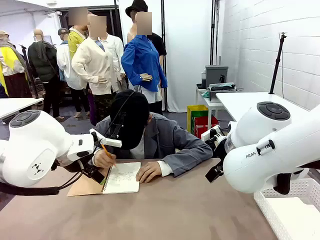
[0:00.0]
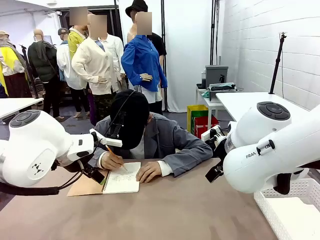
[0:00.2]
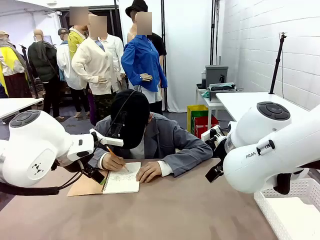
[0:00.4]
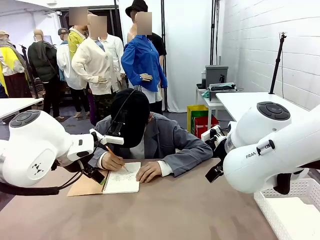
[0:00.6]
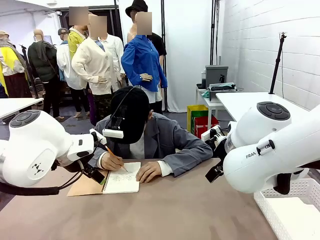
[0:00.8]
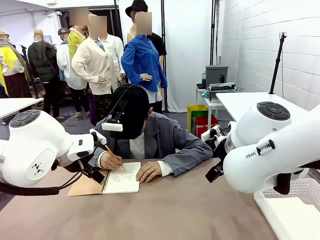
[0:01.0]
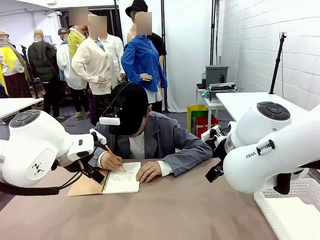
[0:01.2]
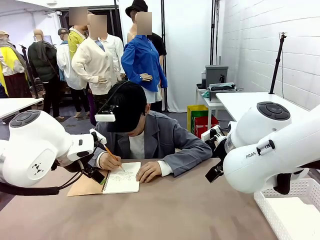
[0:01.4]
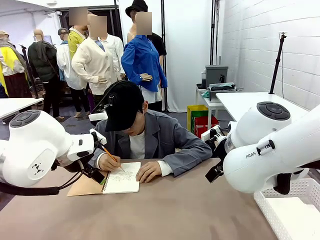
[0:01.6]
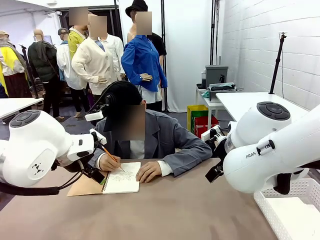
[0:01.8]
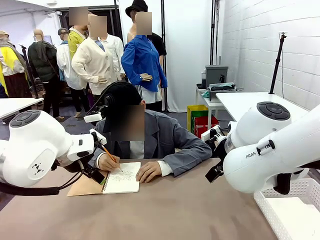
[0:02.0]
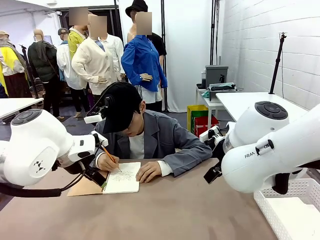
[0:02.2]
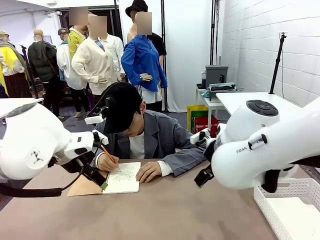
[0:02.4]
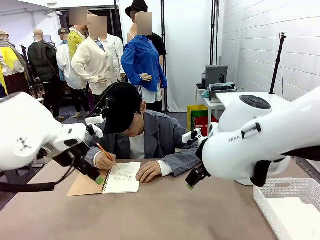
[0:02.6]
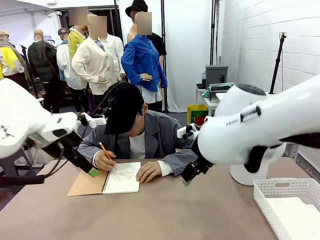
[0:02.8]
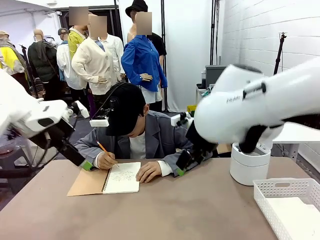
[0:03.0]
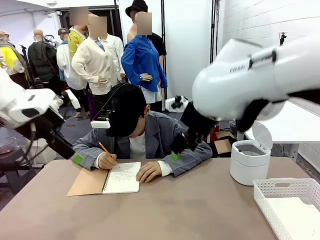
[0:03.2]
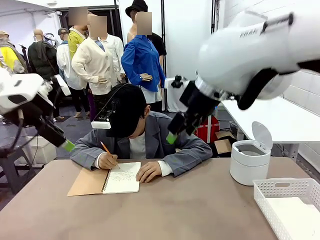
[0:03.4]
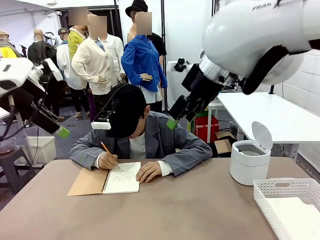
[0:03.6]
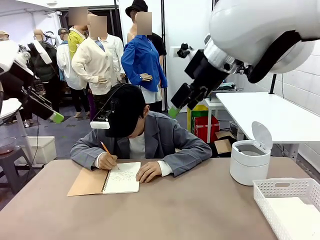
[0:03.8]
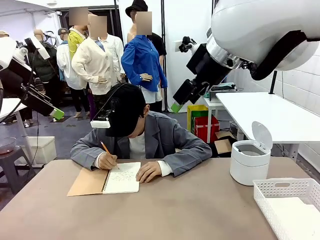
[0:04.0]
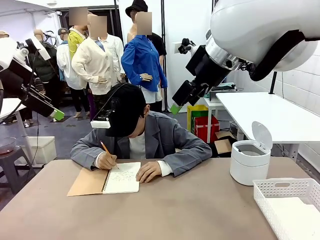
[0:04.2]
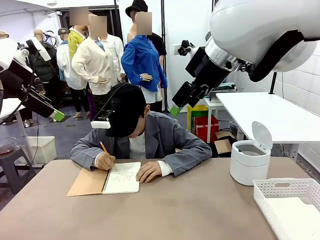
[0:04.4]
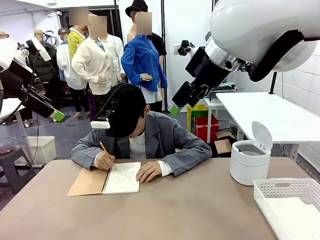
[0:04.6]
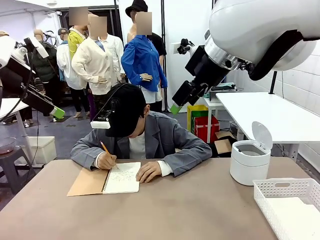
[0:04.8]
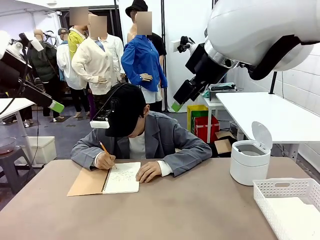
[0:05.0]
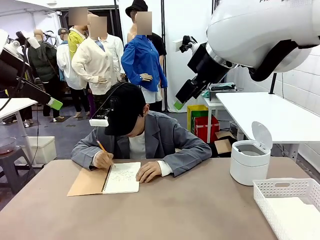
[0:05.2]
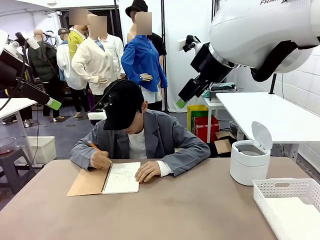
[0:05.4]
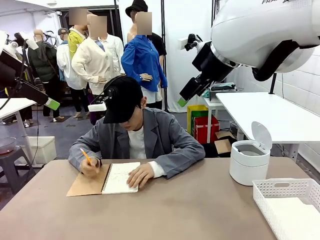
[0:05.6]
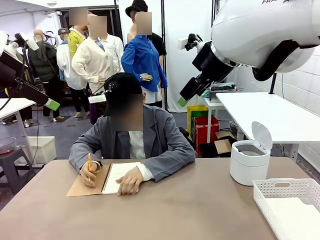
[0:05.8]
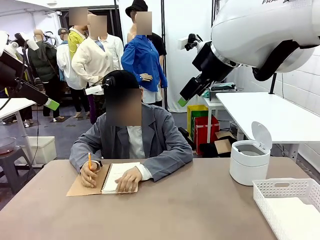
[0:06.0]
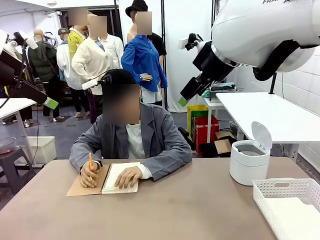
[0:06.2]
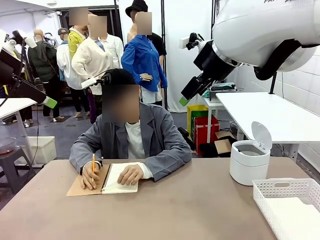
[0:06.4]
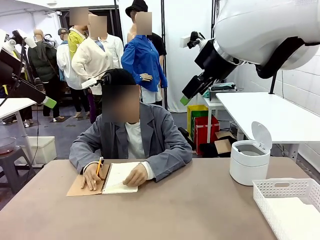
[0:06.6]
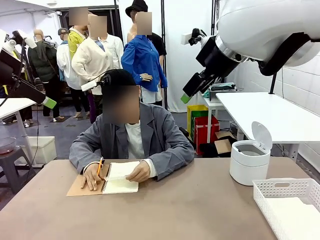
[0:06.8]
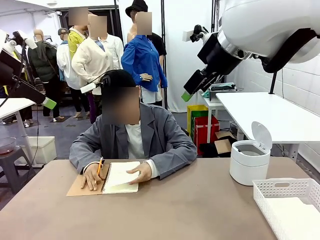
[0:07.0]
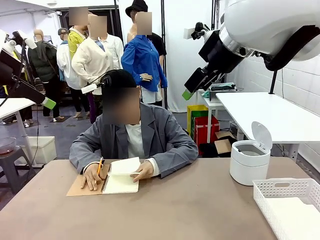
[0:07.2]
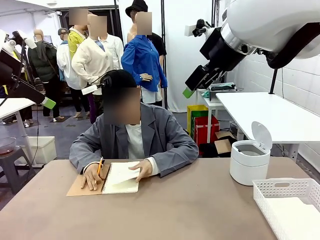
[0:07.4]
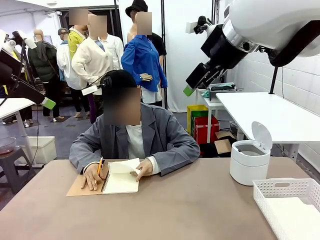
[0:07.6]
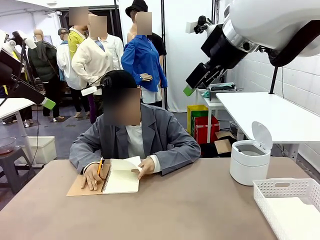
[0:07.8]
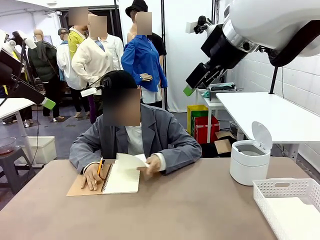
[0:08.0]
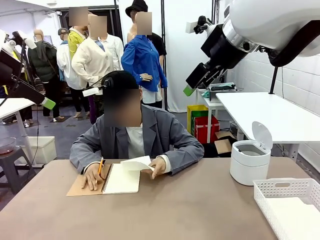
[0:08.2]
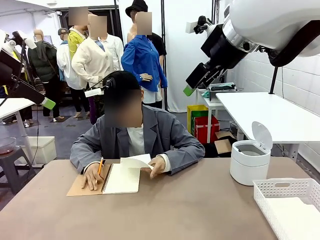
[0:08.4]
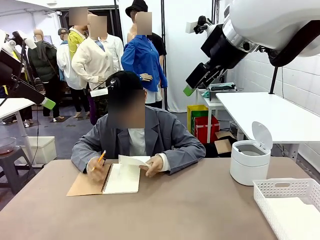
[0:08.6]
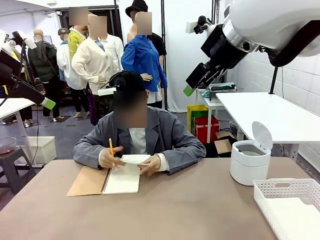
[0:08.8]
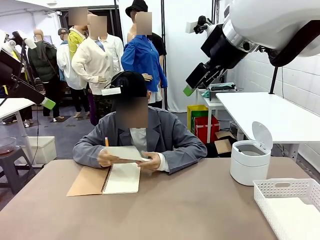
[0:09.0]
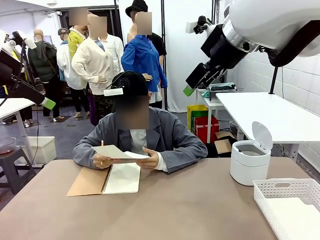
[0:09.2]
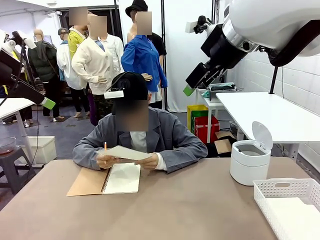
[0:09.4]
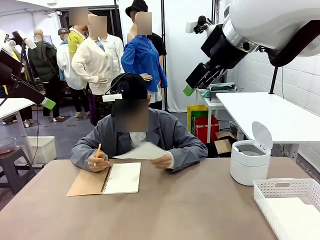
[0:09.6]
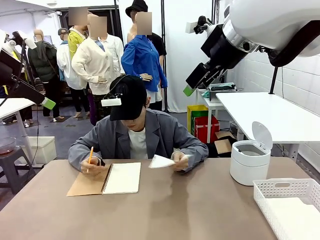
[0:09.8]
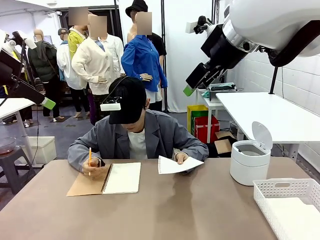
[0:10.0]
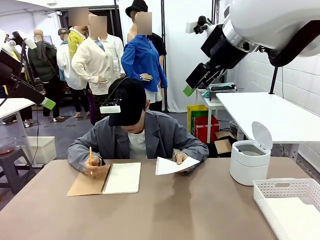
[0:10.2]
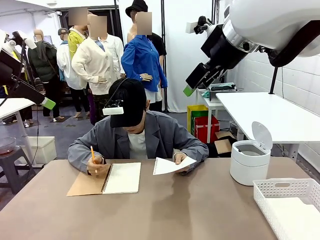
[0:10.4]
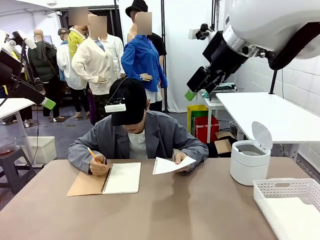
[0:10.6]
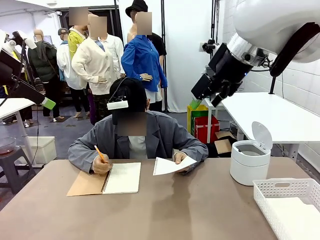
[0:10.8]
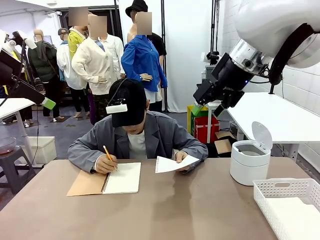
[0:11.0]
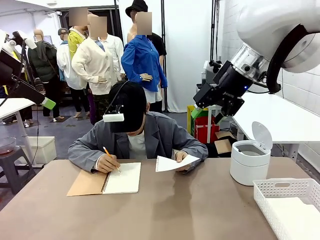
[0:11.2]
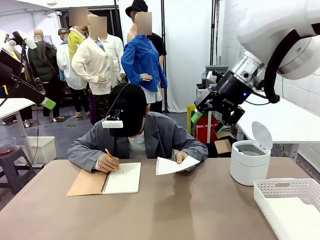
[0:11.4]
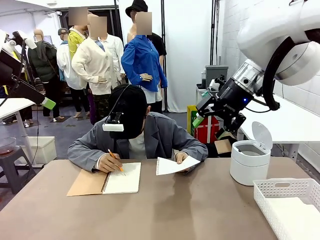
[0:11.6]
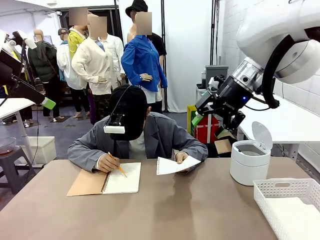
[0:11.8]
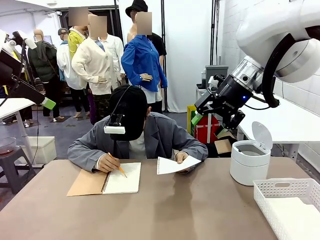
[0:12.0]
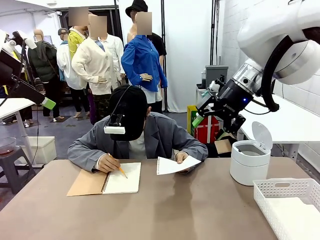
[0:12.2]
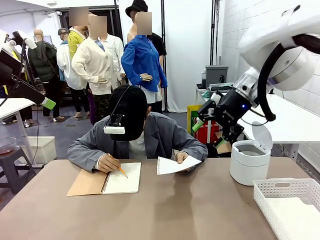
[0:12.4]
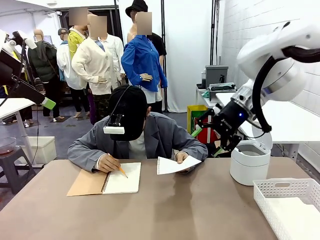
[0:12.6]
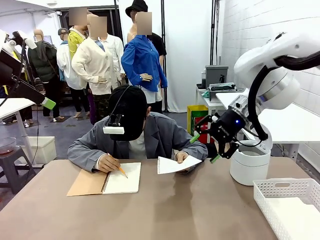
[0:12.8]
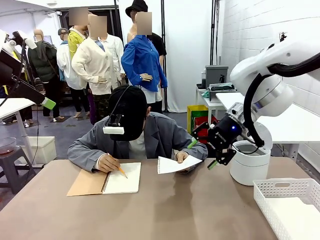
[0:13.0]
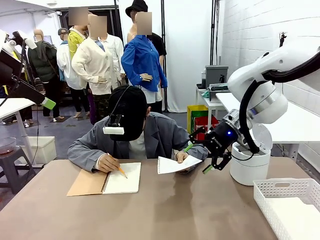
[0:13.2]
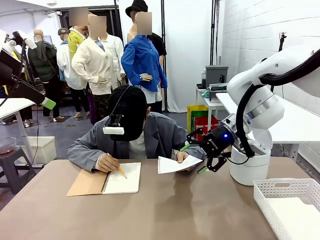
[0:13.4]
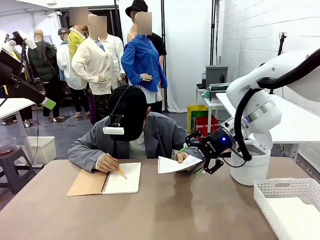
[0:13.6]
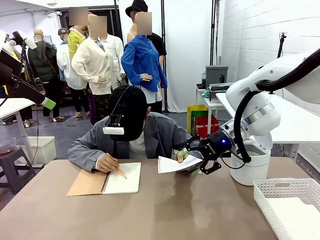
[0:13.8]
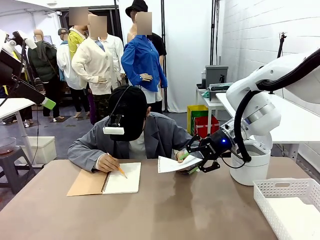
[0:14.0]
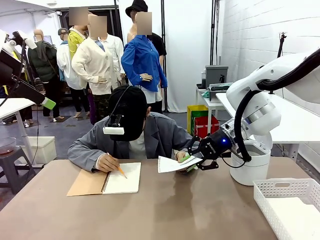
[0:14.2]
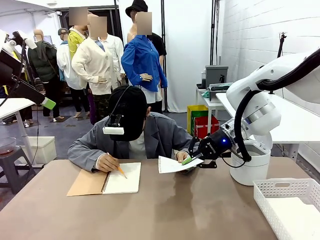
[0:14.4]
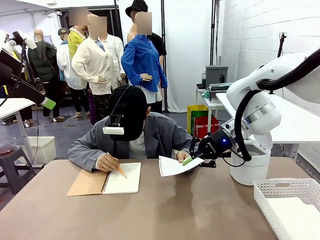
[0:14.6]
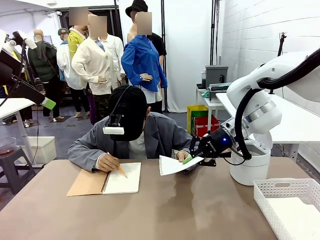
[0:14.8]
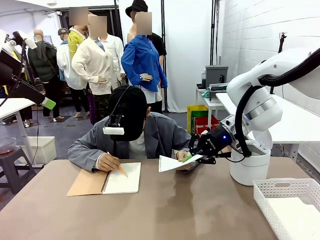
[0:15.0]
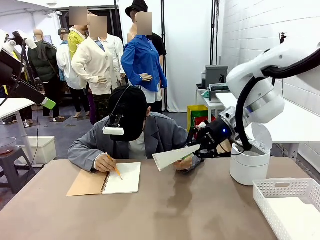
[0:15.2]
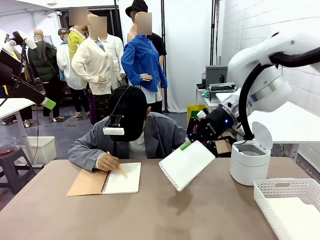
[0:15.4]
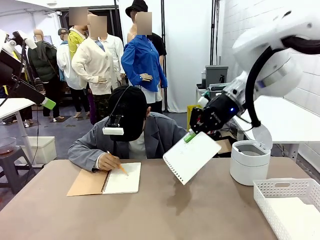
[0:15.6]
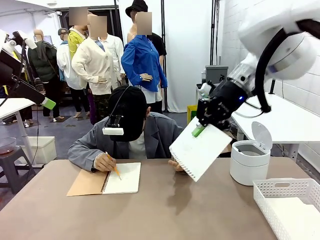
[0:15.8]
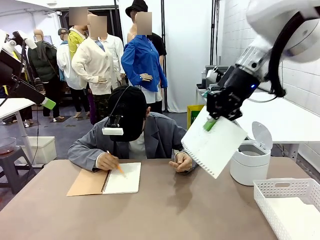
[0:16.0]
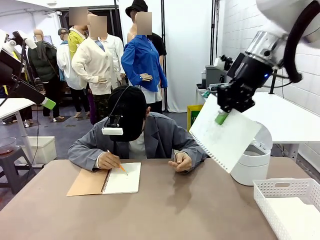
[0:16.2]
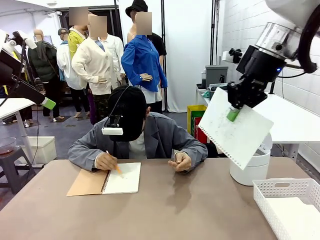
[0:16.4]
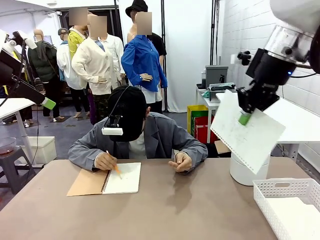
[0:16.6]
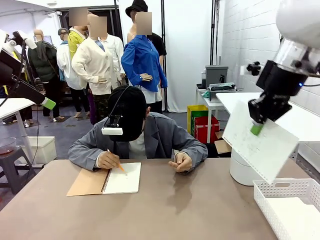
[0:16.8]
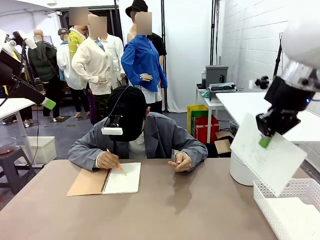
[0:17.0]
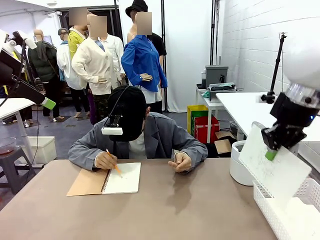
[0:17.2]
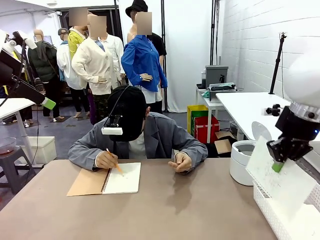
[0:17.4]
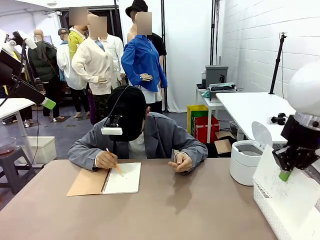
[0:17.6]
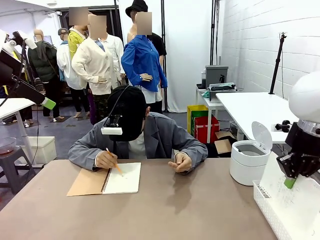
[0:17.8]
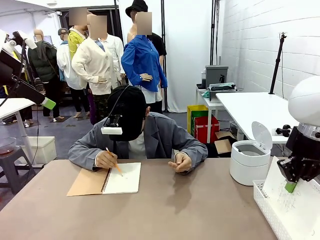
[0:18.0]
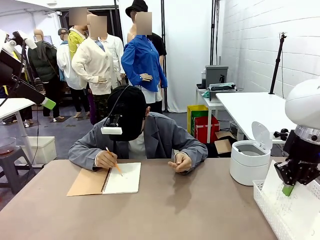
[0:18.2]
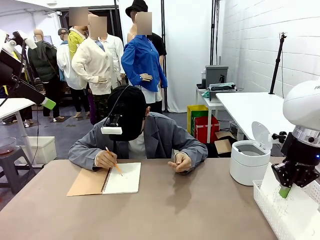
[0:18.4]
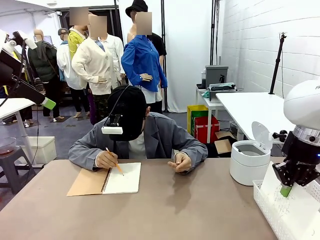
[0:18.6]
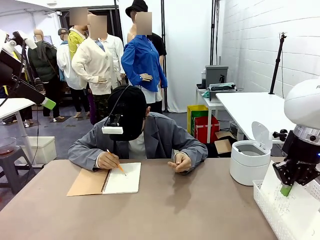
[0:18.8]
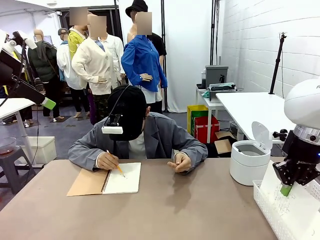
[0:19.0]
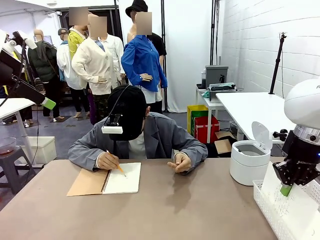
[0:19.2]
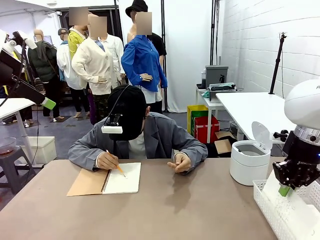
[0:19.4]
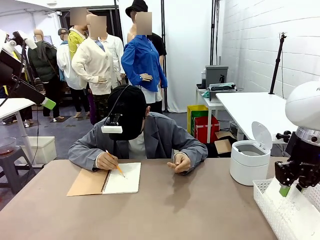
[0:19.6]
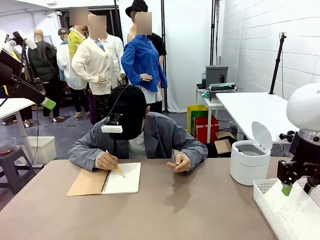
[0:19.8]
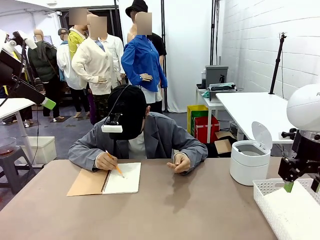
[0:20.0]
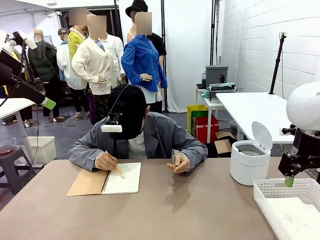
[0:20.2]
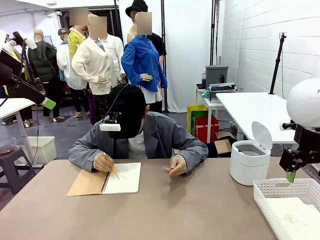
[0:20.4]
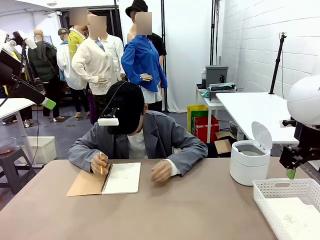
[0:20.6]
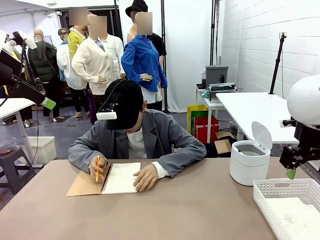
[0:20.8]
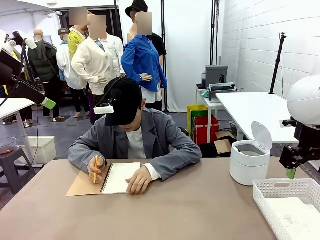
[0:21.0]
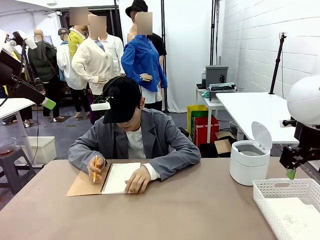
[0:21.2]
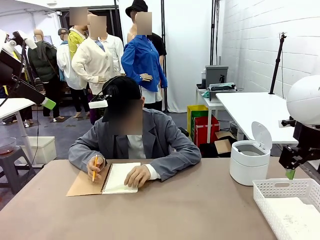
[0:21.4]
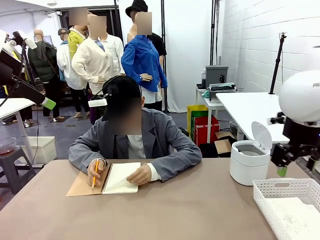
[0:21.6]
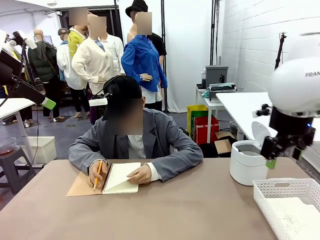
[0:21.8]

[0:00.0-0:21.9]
Task: Sort the paper based on its condition.
Robot: If a person hands you a paper, place it in the Organizing basket , and if it's crumpled, put it in the Trash can.
Person: Tear out a page from the spiral notebook. Hand the torn page to the robot or crumple it and throw it to the center of the table. Tear out a page from the spiral notebook.
